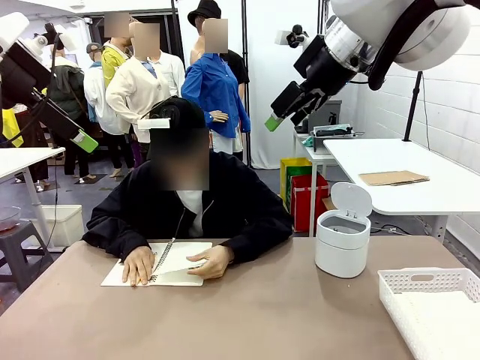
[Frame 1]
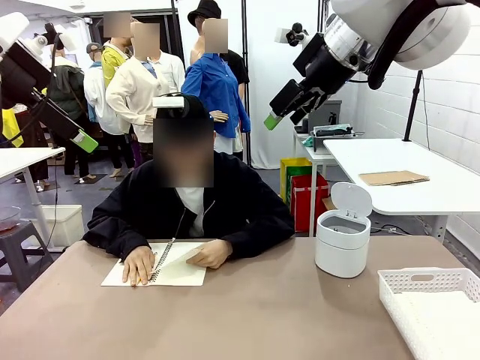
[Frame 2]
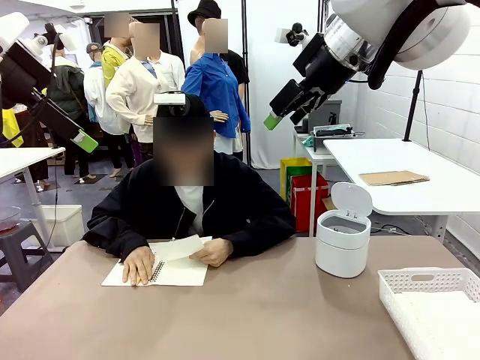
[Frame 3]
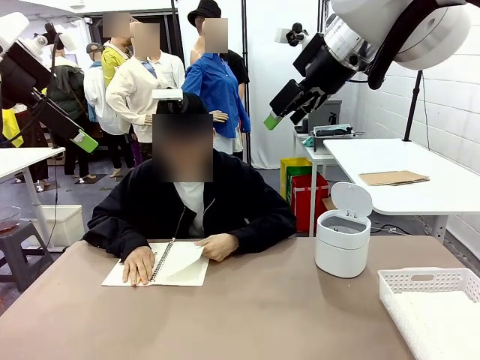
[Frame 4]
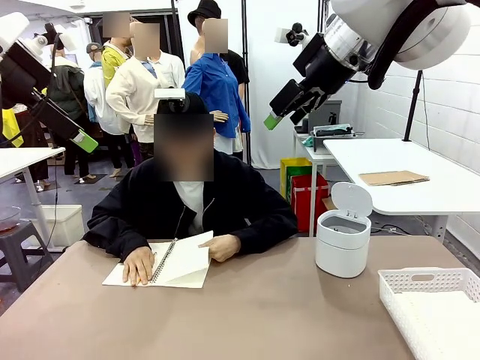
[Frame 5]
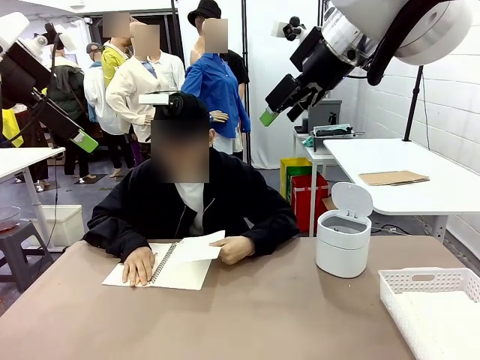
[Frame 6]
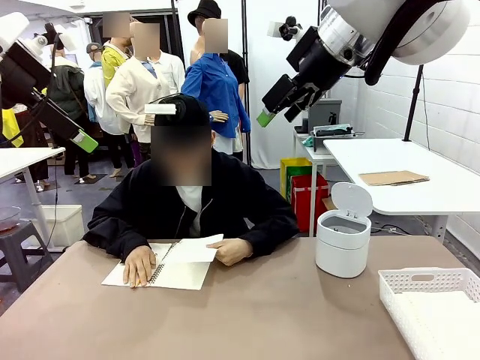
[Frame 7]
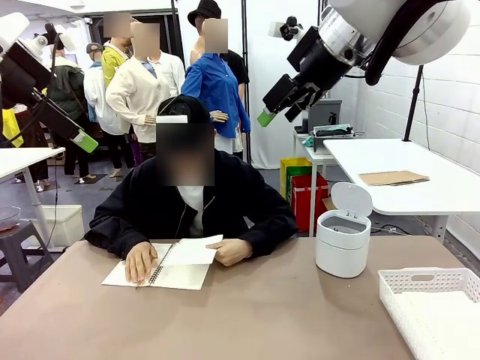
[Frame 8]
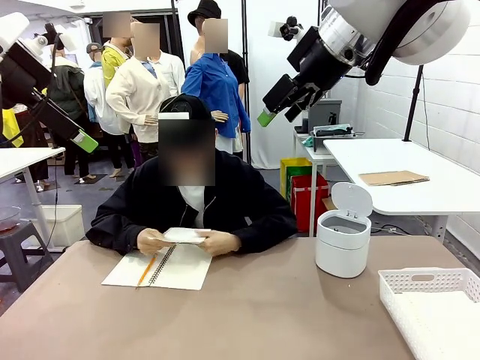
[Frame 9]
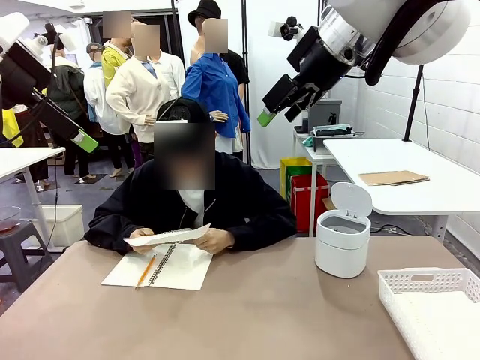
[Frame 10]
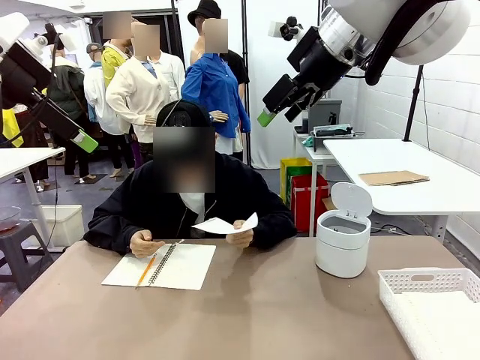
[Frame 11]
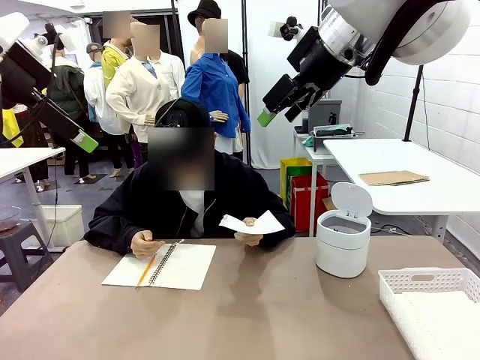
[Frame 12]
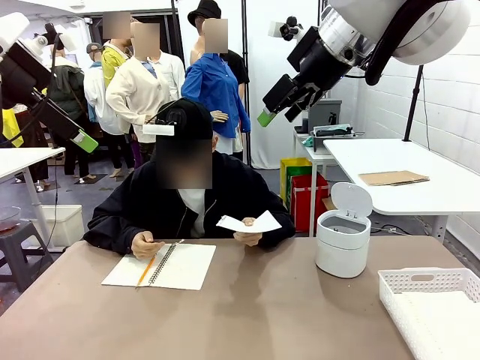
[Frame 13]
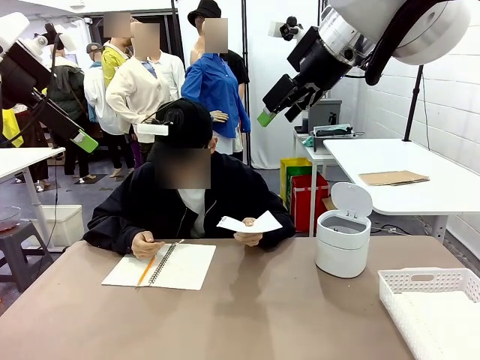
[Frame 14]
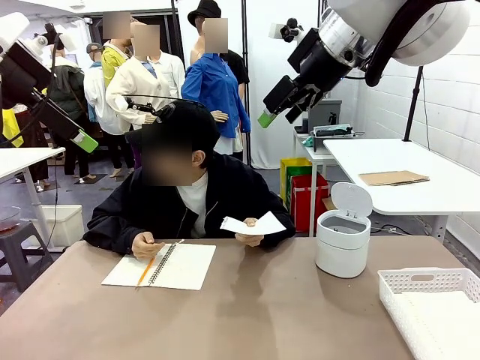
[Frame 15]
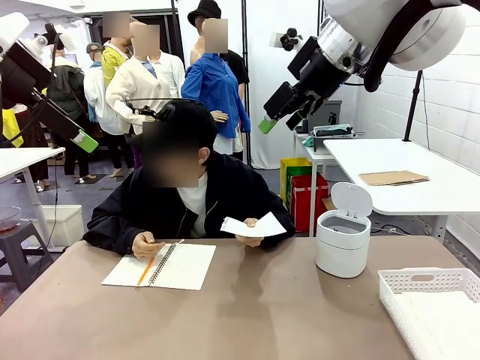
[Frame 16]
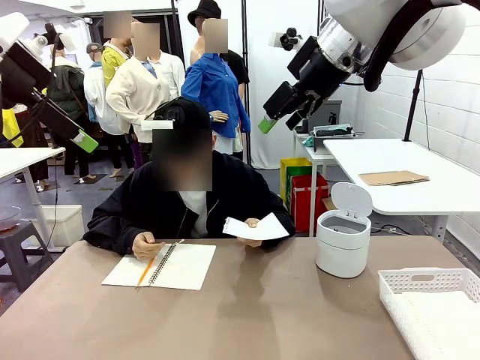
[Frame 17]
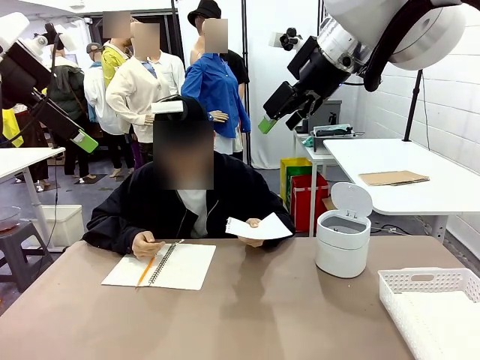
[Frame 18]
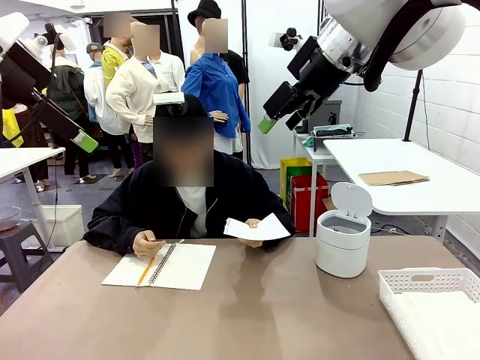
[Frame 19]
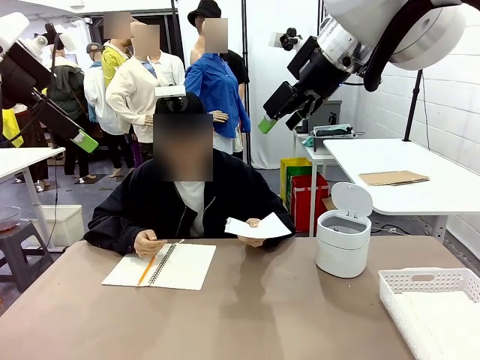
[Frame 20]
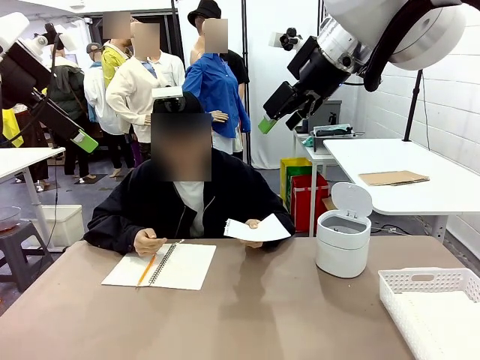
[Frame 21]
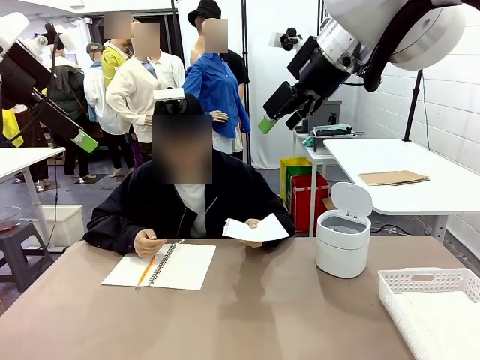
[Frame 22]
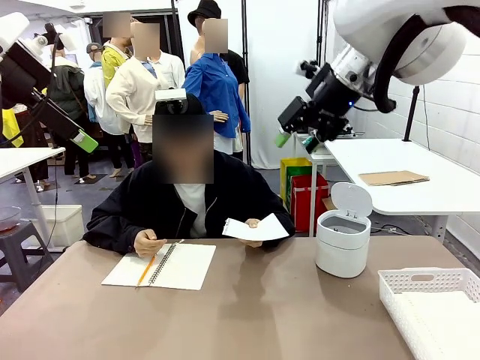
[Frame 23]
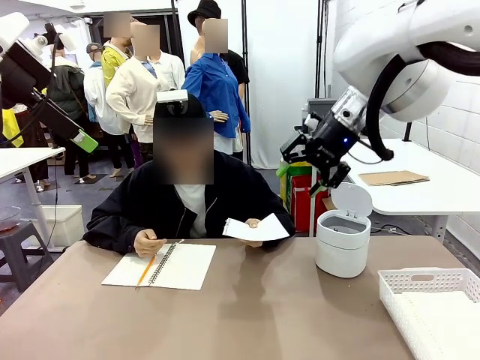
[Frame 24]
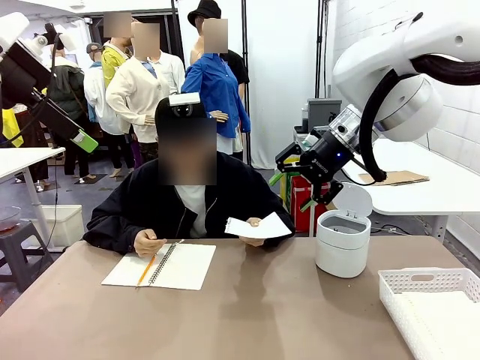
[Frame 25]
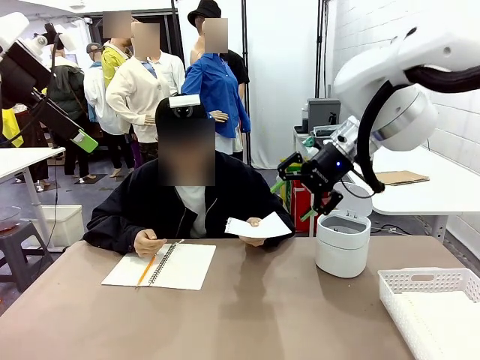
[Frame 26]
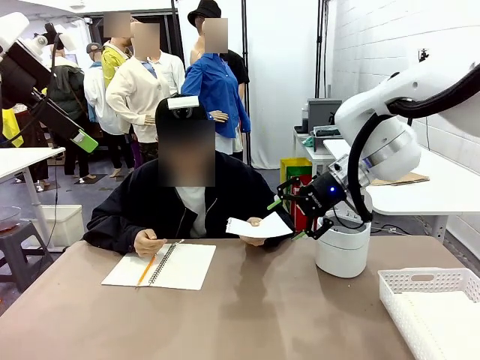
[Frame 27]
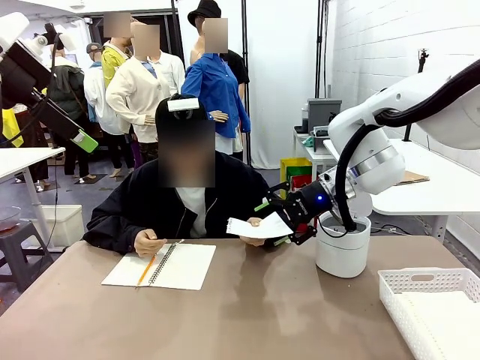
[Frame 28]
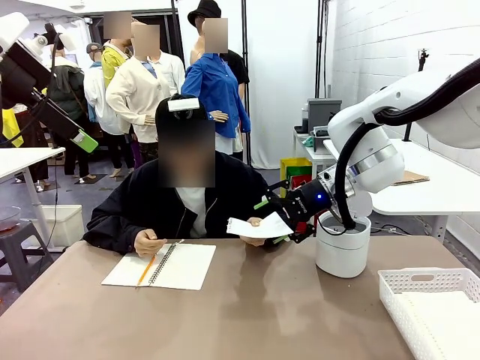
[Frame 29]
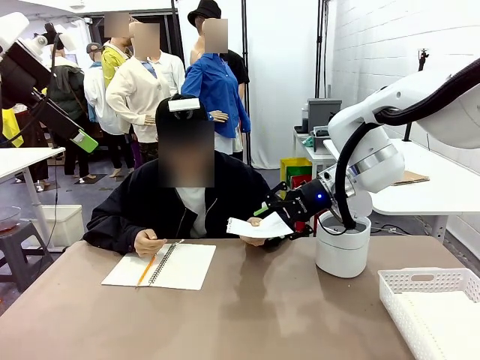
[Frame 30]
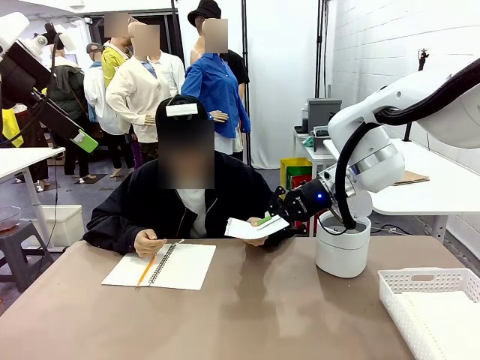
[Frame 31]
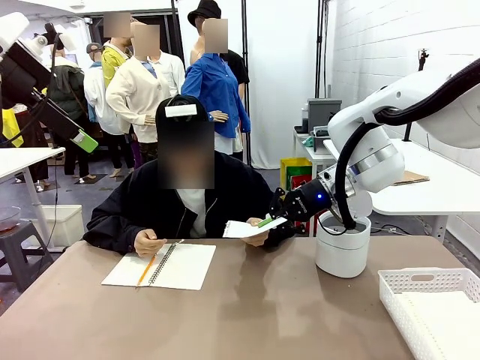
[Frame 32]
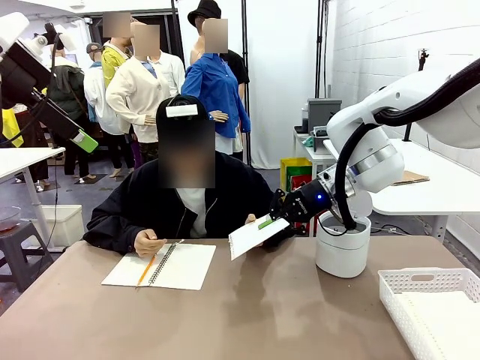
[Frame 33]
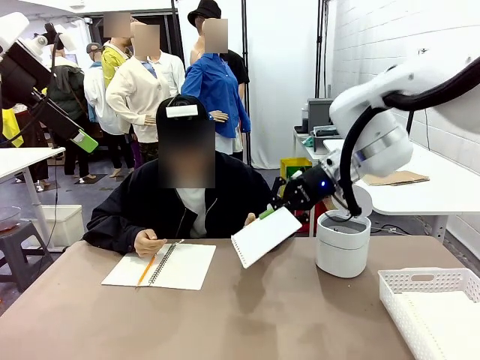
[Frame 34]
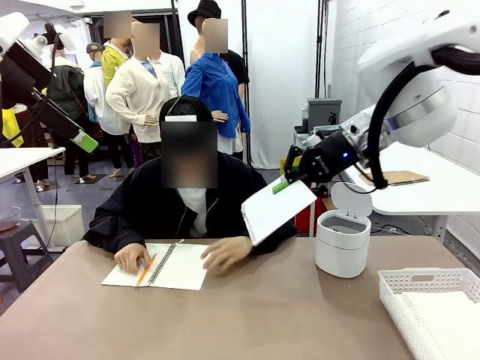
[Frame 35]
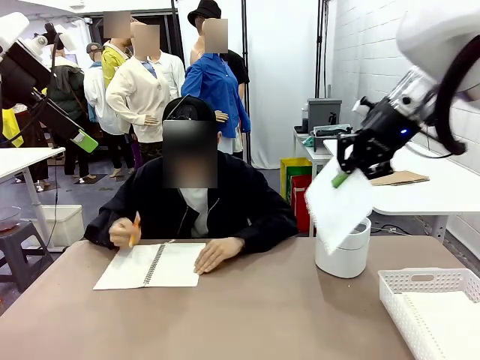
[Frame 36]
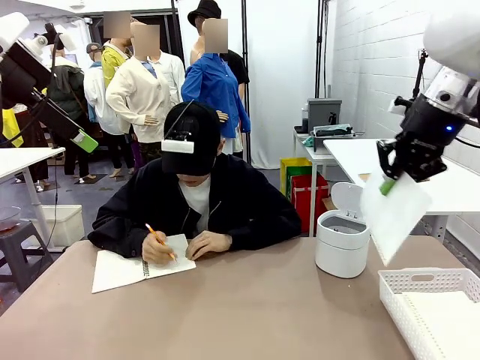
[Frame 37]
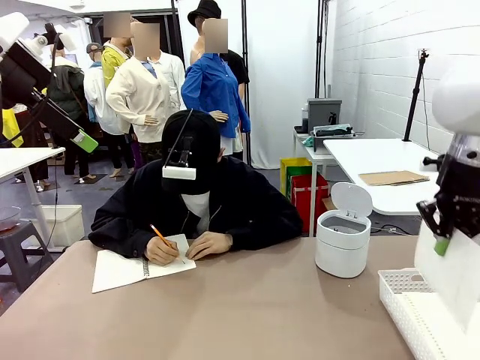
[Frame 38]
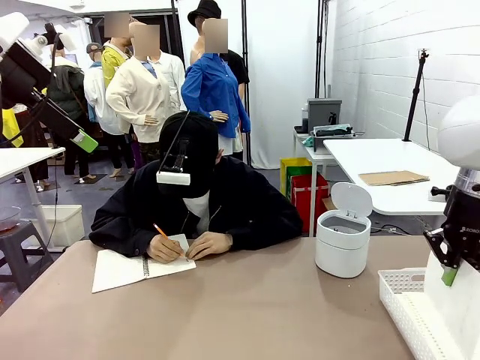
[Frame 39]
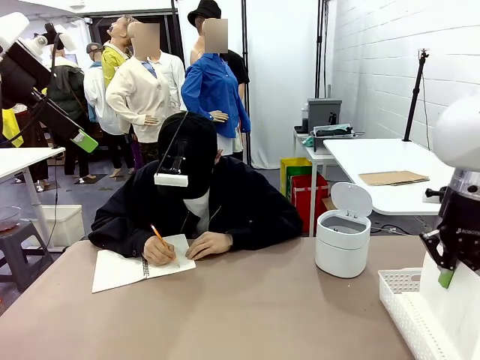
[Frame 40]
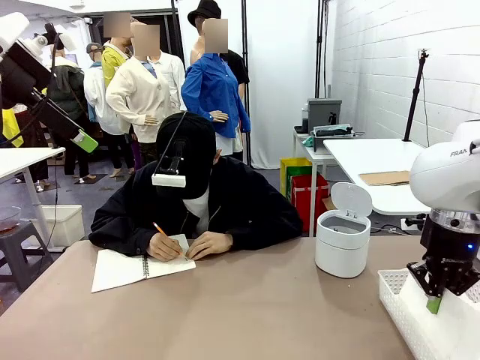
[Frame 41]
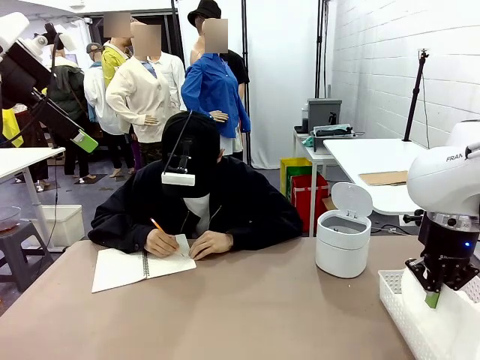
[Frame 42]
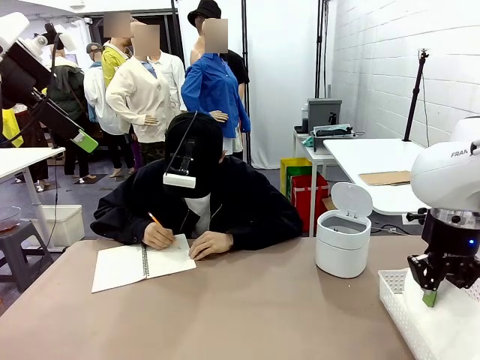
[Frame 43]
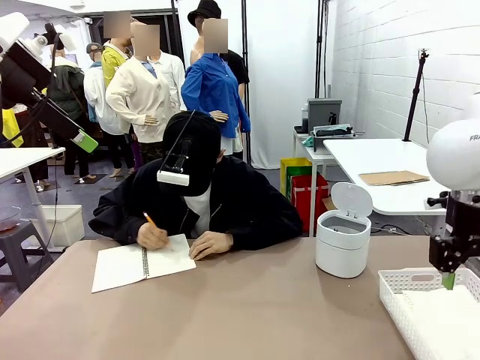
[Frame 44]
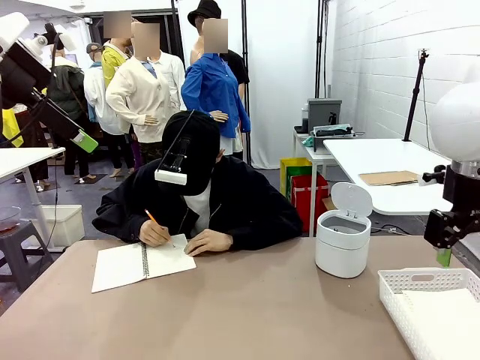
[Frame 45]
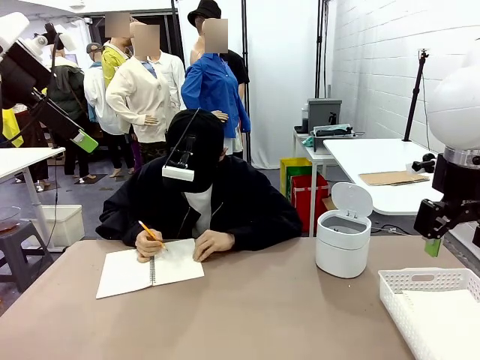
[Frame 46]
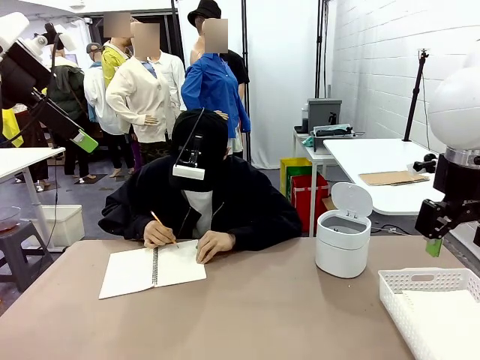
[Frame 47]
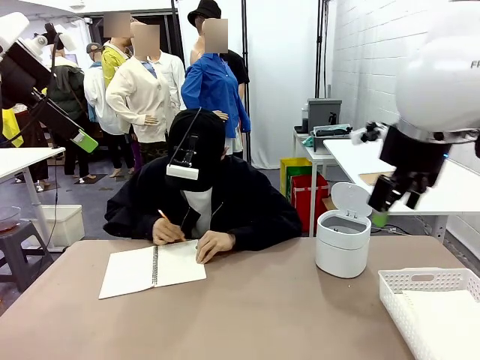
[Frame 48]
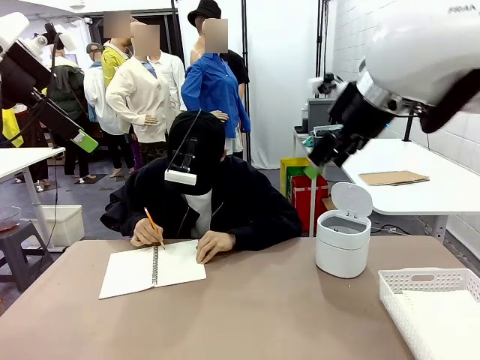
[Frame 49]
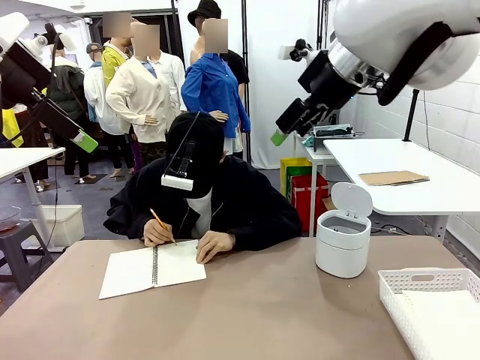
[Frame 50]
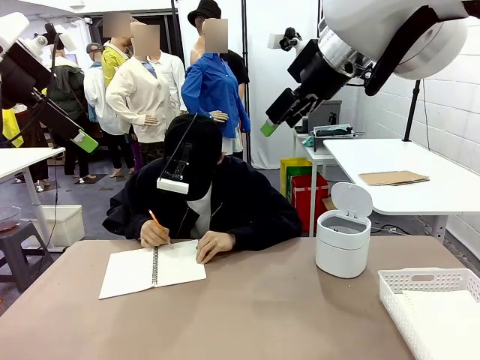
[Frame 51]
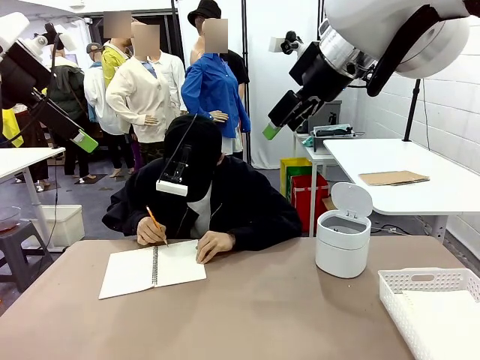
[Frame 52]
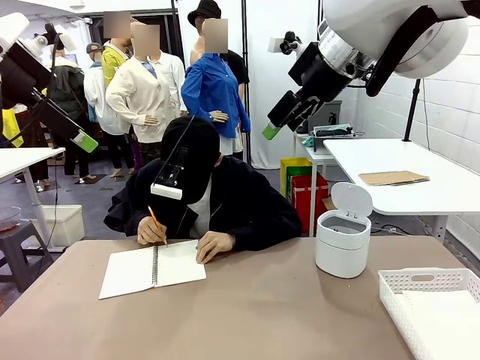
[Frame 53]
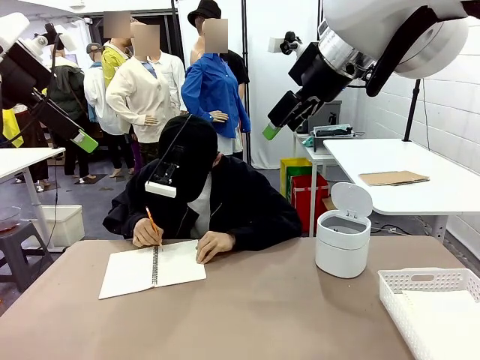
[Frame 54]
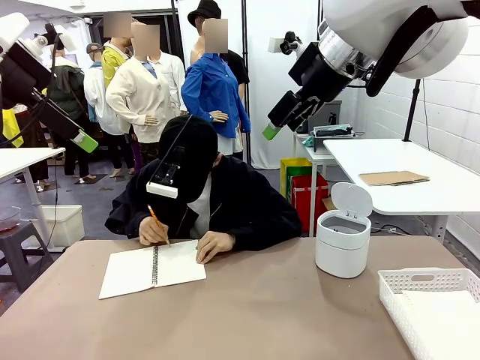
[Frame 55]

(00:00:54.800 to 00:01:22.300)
Task: Sort the paper based on its condition.
Robot: If a person hands you a paper, place it in the Organizing basket , and if it's crumpled, put it in the Trash can.
Person: Hand the torn page to the robot or crumple it and throw it to the center of the table.
